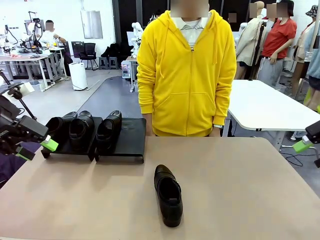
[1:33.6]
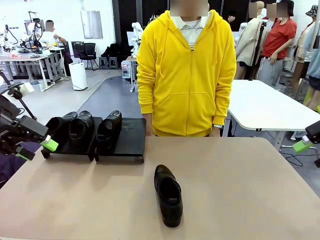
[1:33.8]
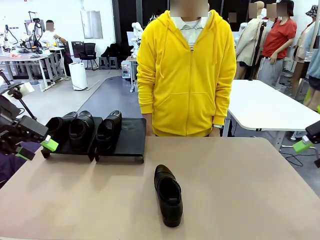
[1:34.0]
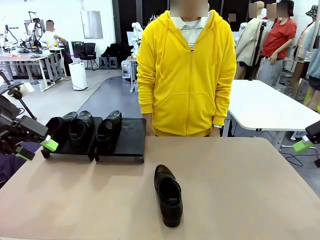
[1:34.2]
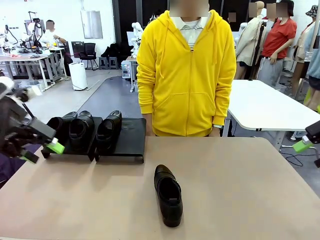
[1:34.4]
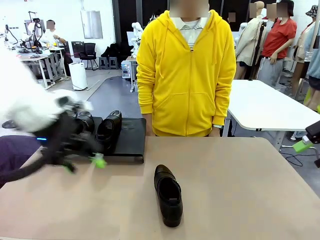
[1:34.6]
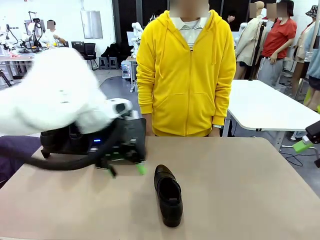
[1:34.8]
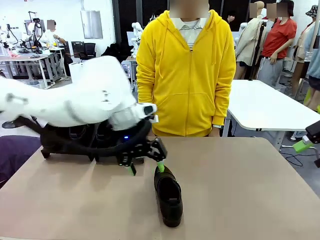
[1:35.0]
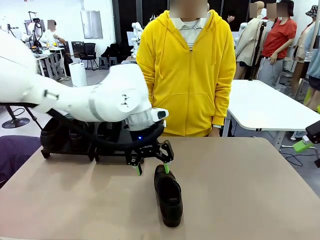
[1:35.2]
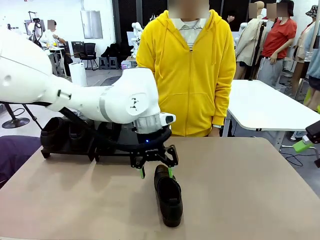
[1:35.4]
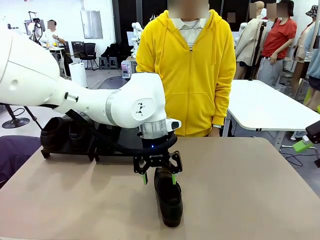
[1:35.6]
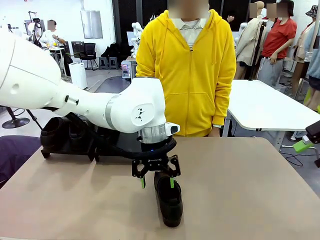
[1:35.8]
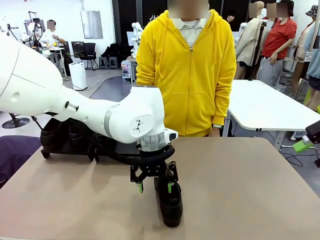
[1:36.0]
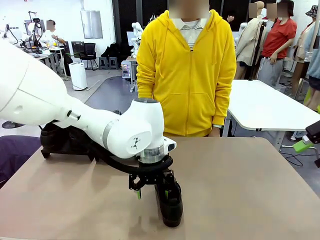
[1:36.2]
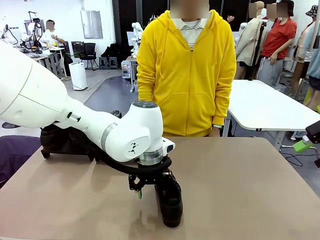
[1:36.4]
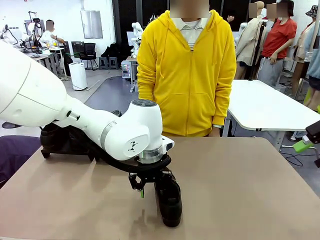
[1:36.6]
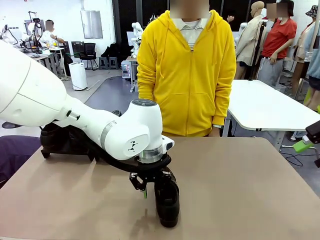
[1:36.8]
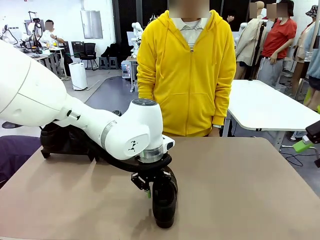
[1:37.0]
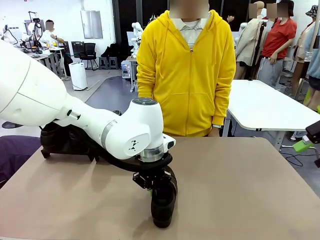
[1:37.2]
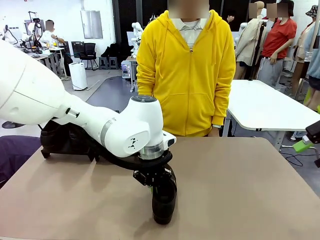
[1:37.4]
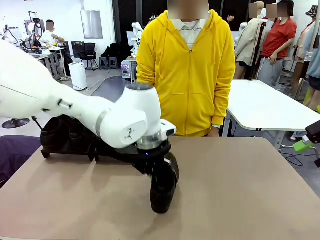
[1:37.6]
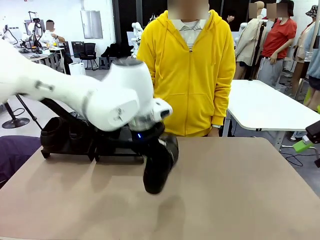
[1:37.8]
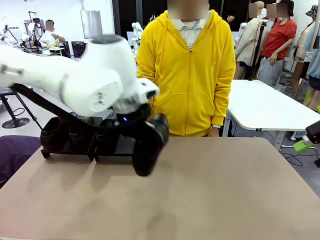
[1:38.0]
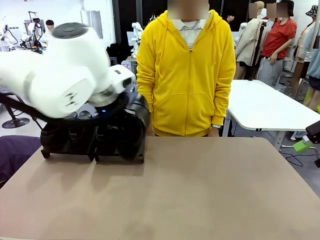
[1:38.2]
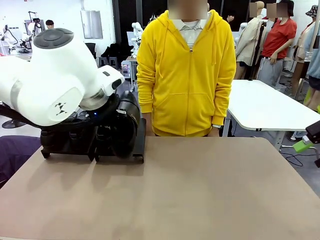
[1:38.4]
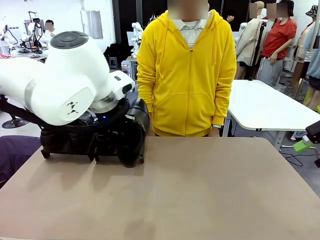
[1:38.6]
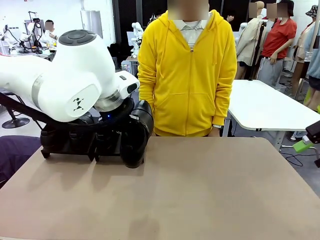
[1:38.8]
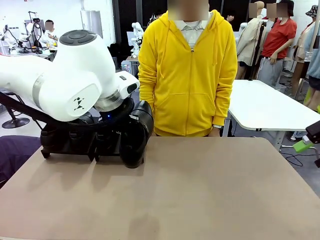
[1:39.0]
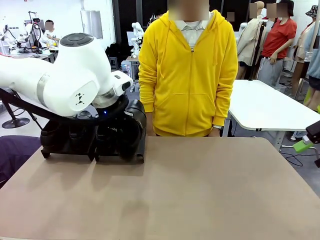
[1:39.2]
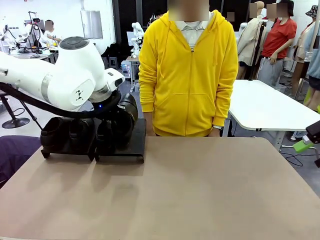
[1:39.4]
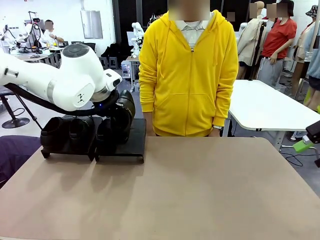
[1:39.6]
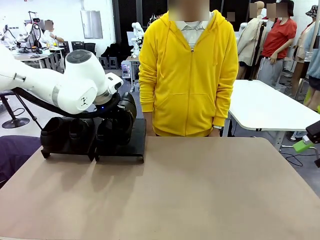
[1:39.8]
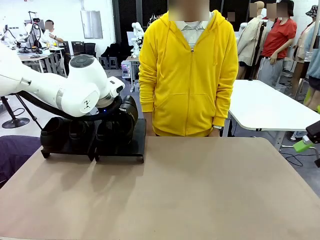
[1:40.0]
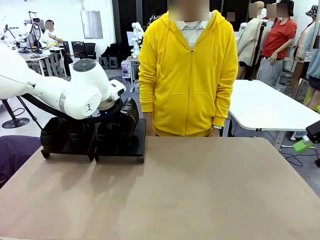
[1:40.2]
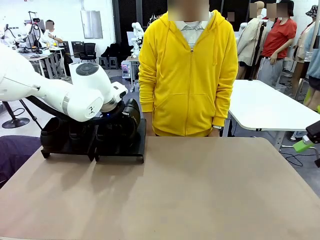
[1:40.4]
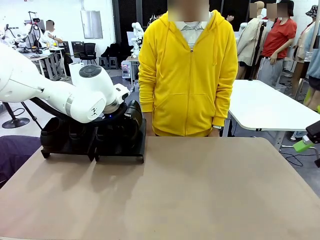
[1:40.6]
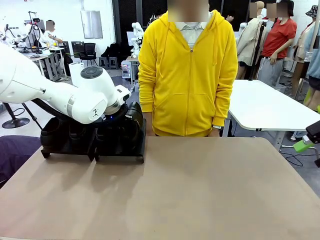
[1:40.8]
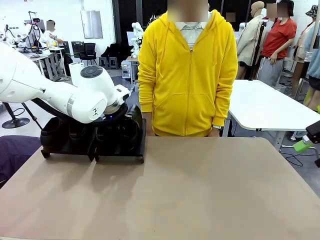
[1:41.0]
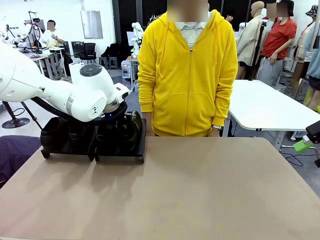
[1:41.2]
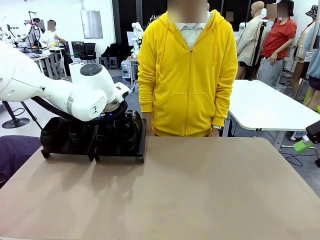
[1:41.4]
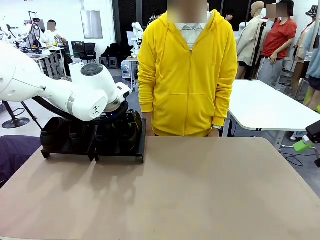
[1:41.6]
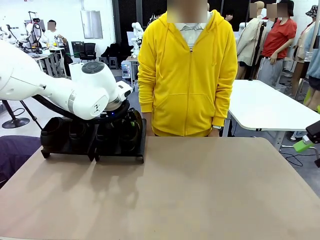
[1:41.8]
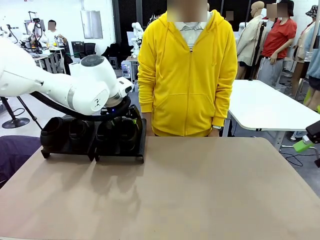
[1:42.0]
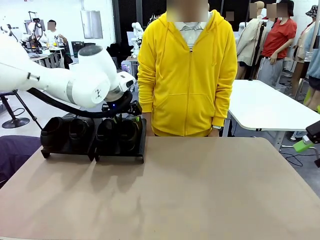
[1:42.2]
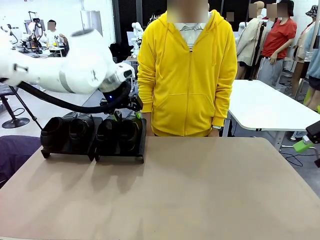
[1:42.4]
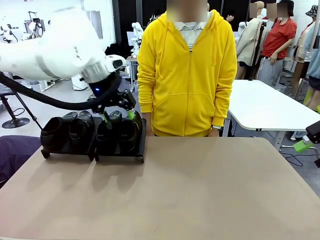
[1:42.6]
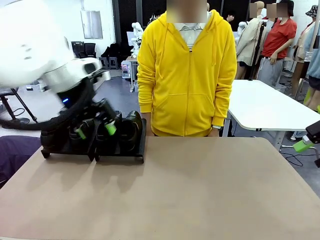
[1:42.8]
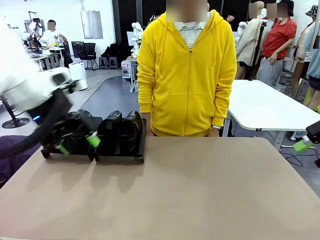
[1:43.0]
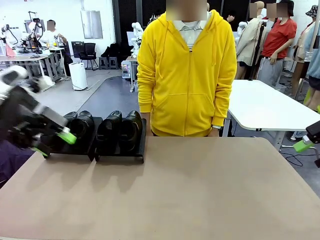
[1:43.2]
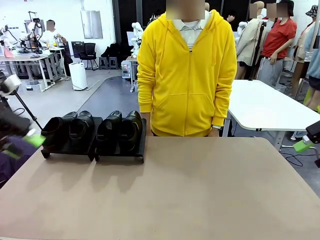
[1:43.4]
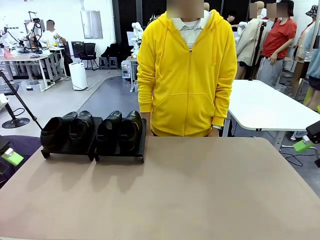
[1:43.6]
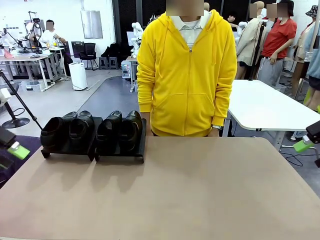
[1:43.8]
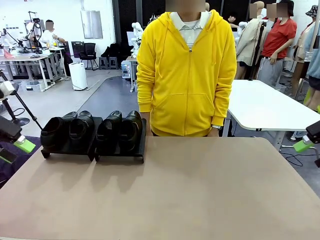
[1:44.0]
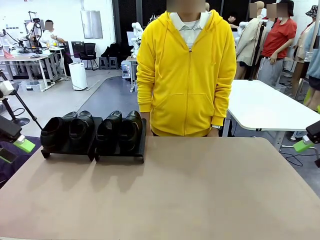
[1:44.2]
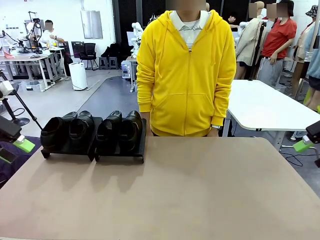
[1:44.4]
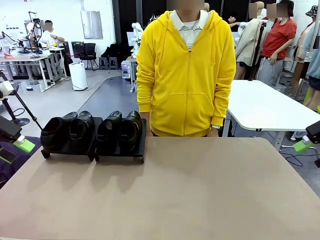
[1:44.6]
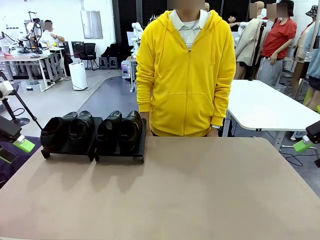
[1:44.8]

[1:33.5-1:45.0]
Task: Organize the shoes by placing them on the stand.
Robot: Place the Shoe from the middle of the table onto the Shoes Stand.
